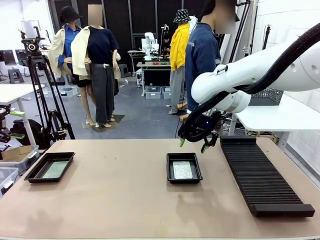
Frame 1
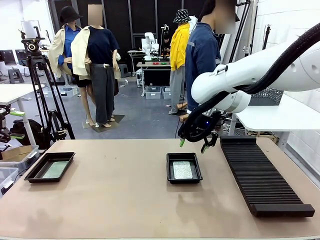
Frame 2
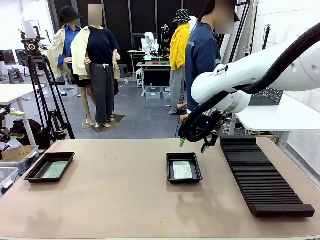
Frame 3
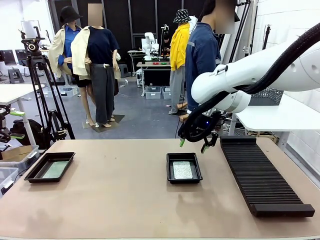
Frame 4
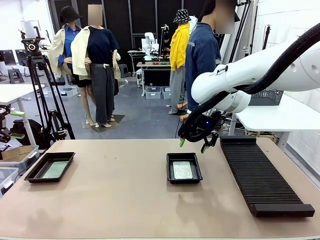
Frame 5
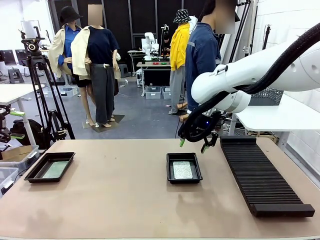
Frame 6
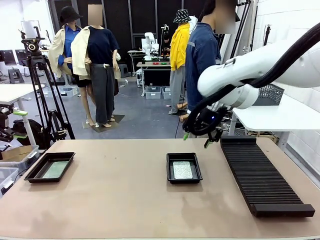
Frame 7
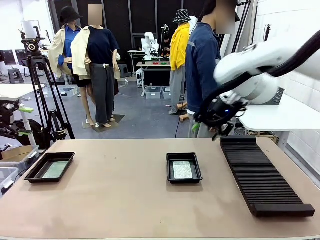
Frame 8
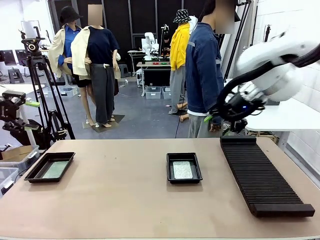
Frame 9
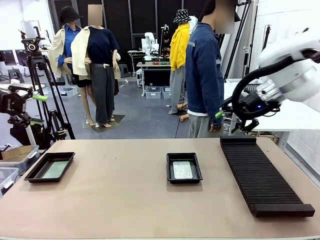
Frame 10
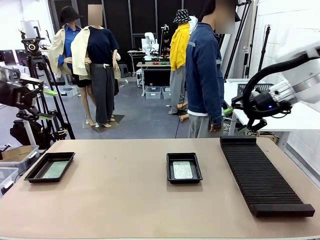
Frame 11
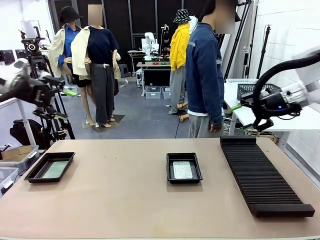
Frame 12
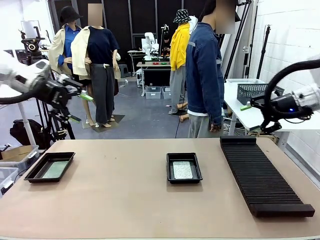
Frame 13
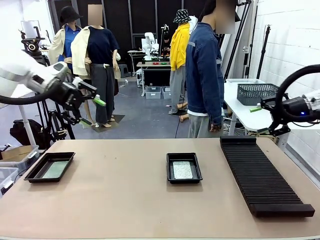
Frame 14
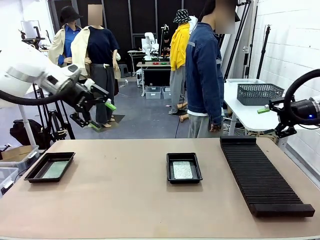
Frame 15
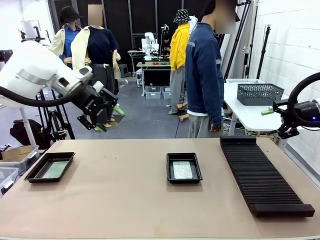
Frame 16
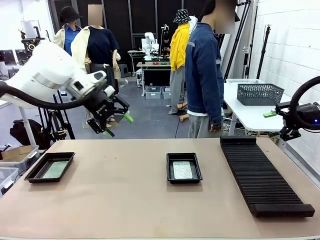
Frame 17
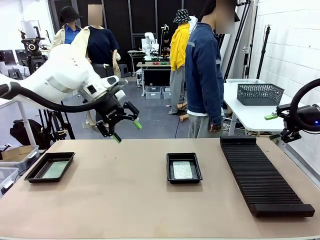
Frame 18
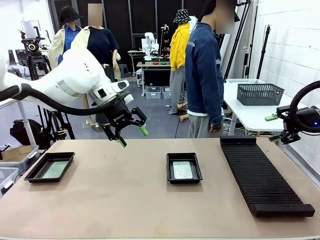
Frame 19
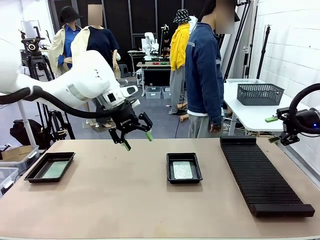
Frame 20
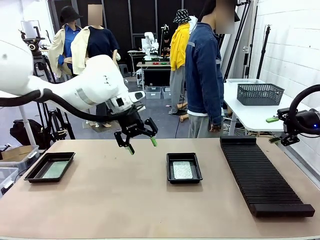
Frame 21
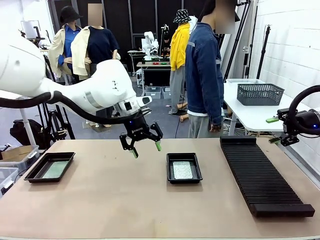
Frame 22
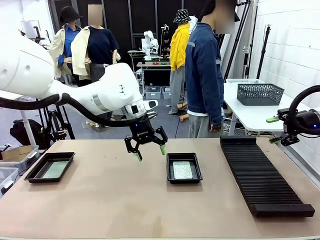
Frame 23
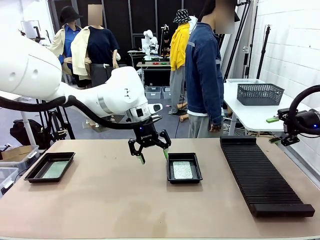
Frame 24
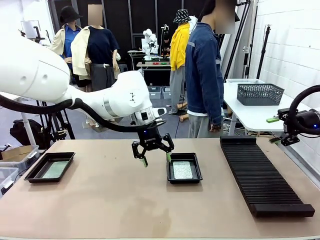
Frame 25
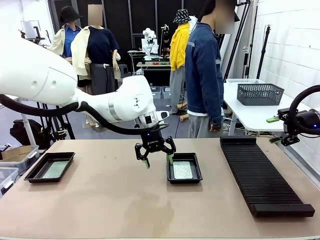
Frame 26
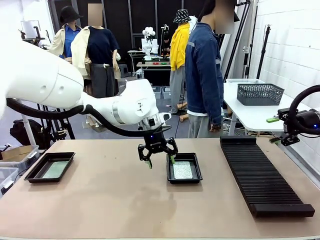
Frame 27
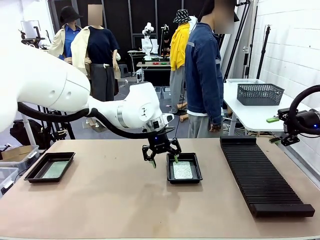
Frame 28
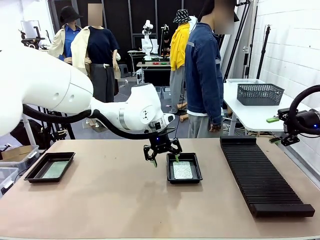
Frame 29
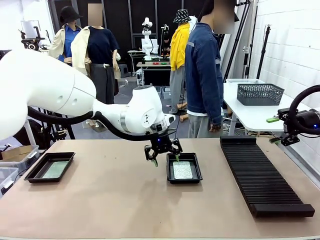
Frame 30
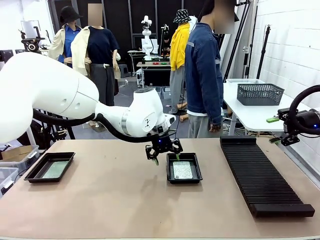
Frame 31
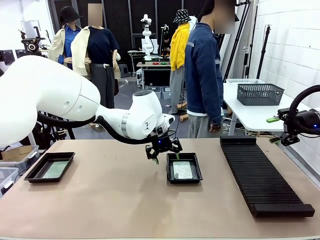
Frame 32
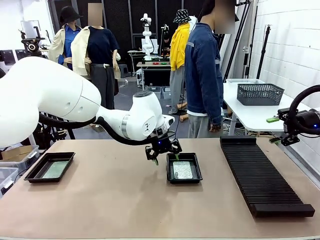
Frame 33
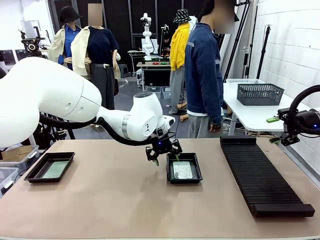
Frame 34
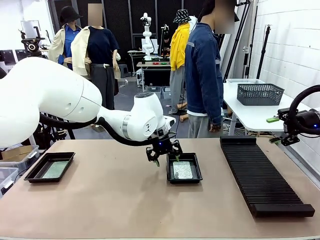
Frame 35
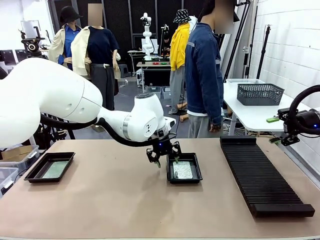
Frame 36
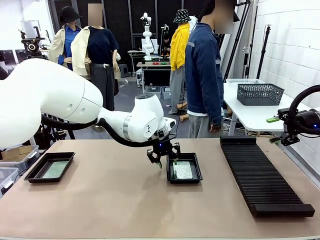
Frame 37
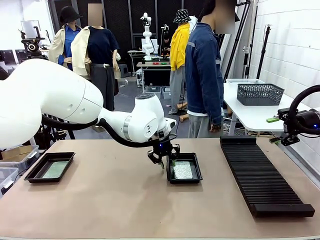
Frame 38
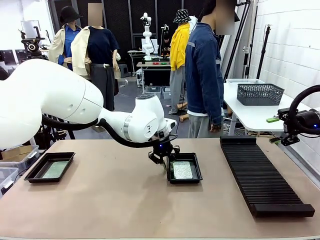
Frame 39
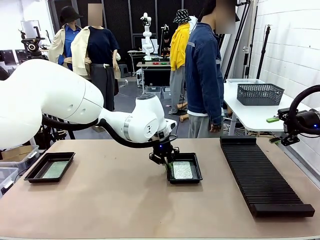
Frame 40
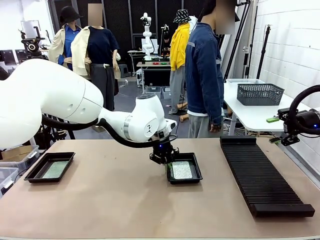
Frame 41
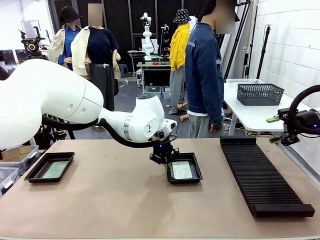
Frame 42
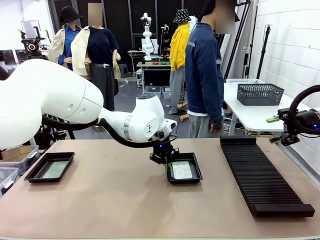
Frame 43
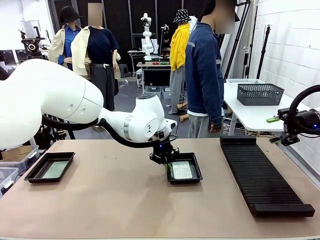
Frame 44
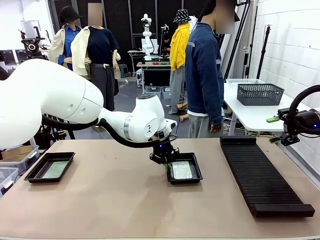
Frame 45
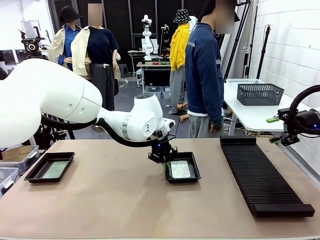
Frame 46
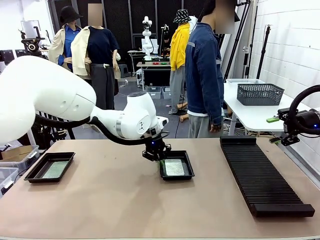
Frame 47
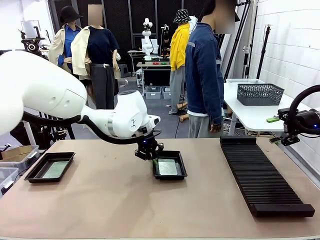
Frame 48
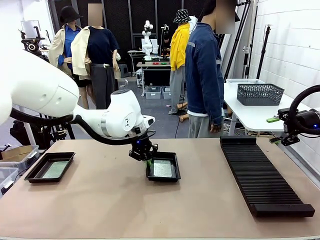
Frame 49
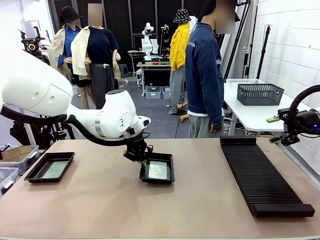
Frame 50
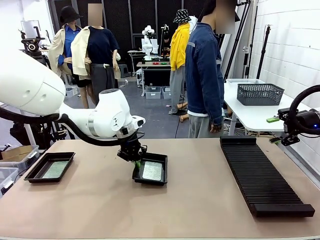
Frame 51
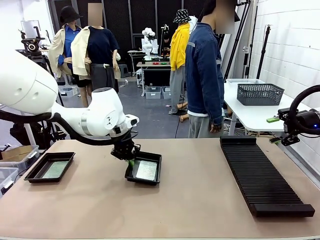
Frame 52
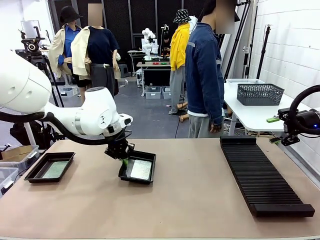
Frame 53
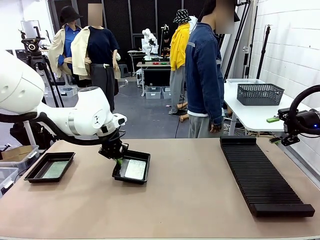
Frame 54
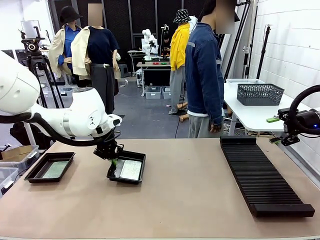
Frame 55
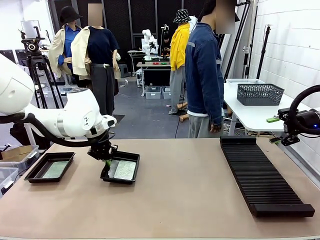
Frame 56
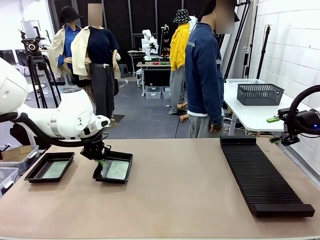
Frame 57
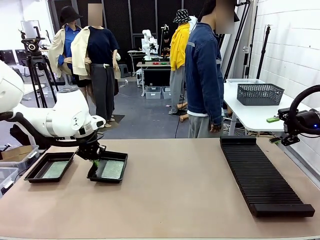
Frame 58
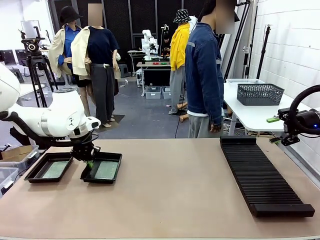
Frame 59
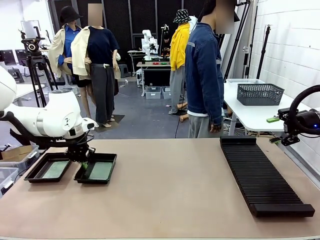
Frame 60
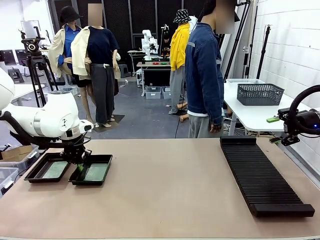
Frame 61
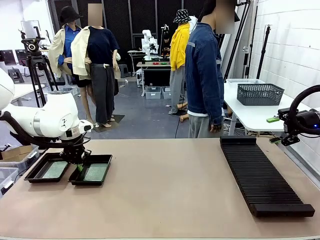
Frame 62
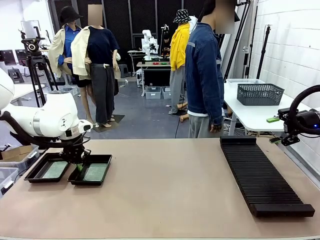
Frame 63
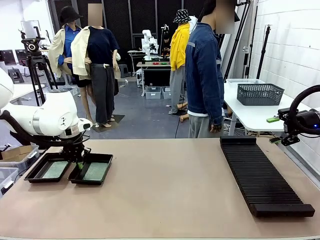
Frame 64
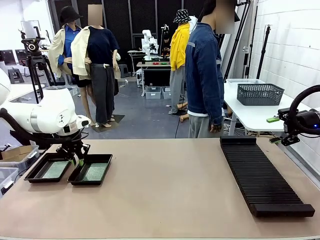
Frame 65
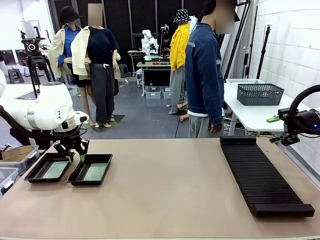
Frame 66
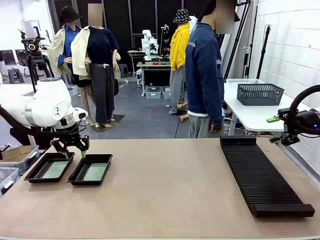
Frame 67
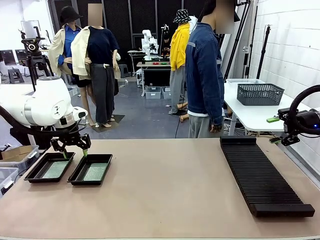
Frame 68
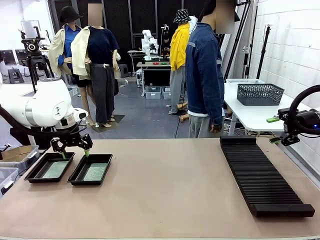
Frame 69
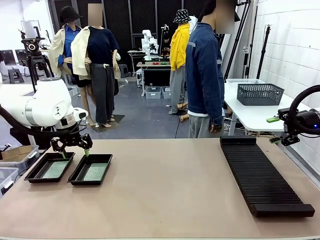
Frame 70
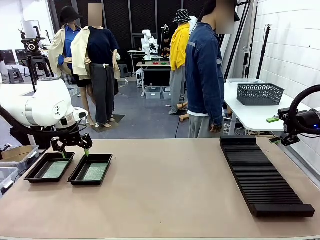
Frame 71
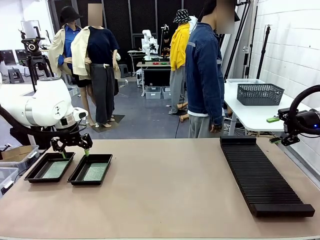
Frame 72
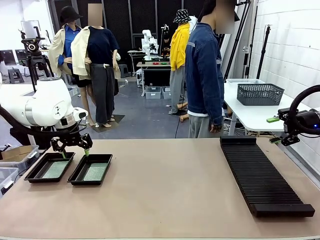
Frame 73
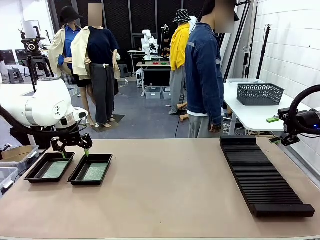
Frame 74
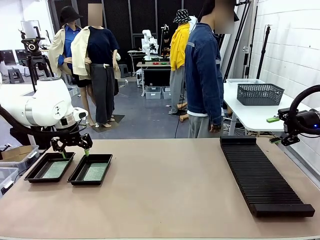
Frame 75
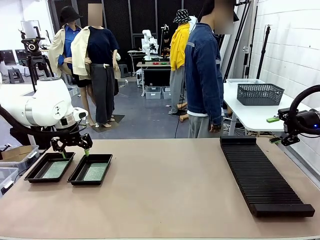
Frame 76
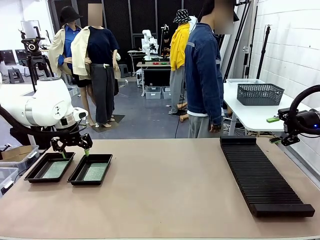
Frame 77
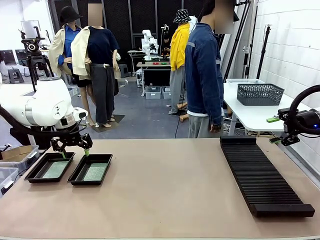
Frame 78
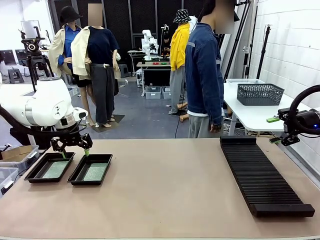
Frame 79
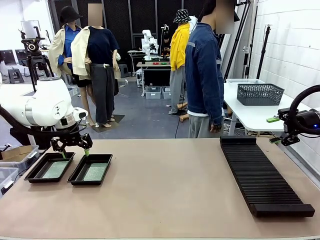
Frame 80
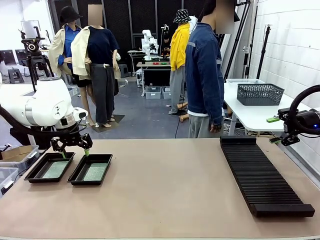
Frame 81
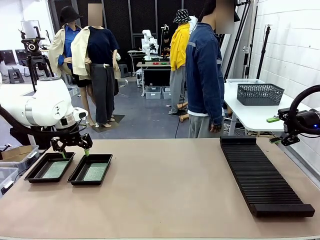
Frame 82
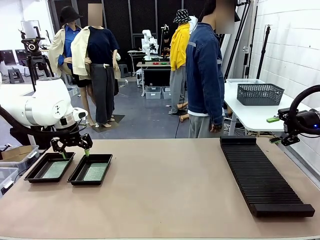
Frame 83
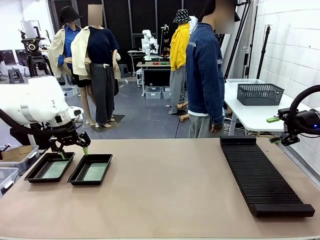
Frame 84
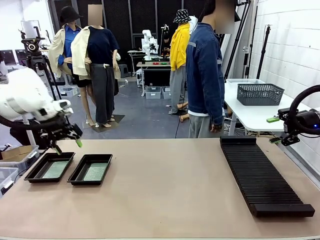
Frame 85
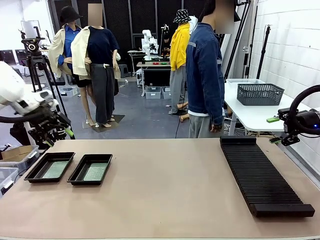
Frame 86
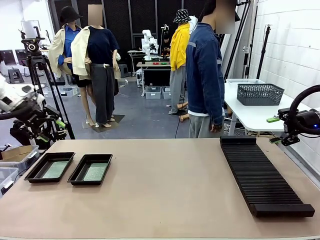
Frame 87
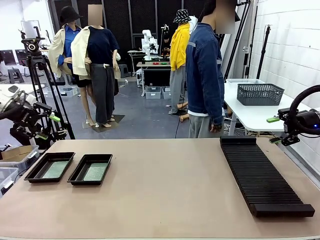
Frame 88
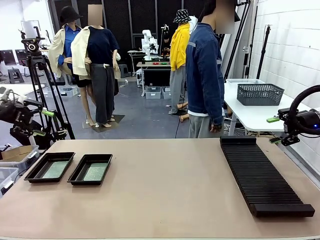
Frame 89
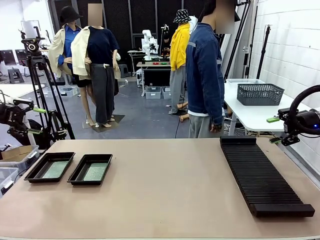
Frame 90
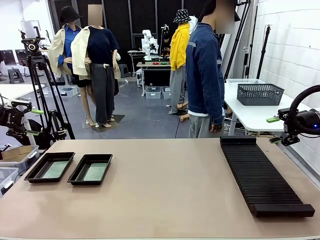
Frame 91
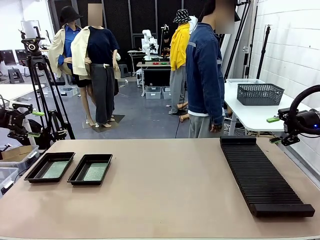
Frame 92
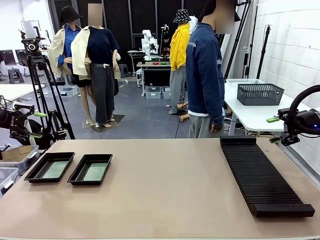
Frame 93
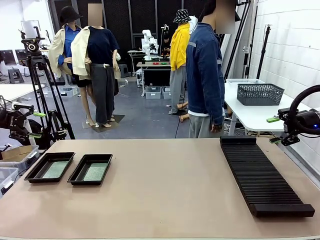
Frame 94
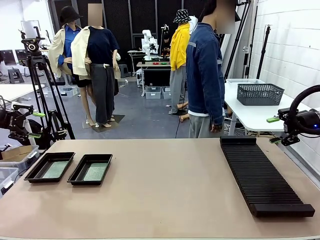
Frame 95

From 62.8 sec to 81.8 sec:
Task: Inspect and transfer BCBs to ESD trays.
Robot: Pick up the ESD tray and place it on the left side of the table.
